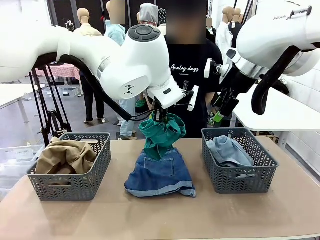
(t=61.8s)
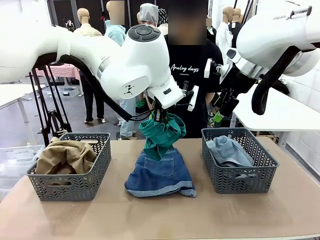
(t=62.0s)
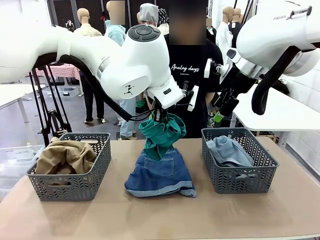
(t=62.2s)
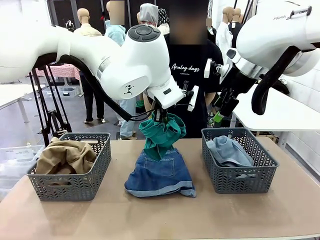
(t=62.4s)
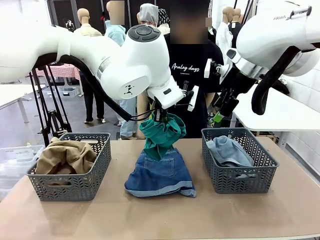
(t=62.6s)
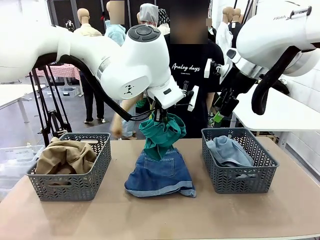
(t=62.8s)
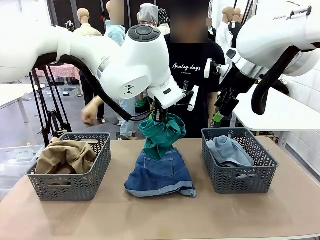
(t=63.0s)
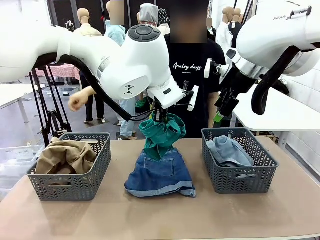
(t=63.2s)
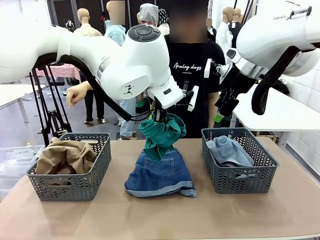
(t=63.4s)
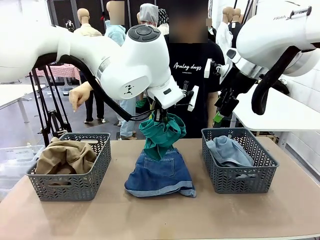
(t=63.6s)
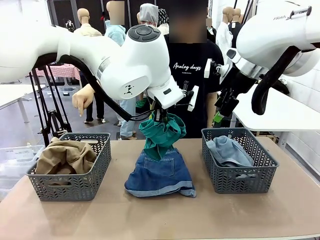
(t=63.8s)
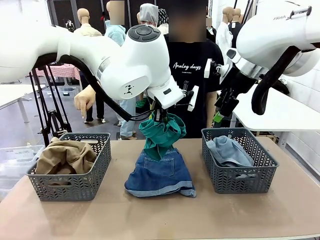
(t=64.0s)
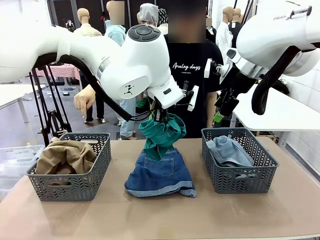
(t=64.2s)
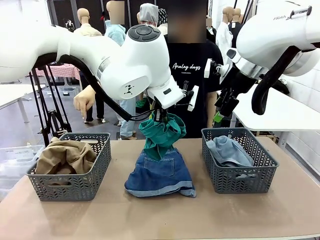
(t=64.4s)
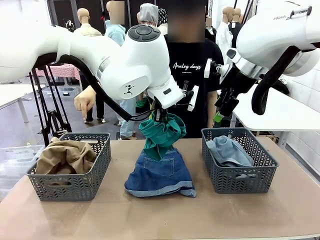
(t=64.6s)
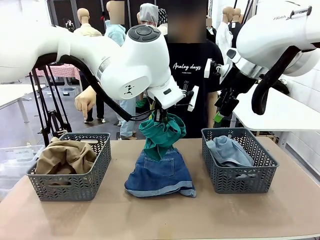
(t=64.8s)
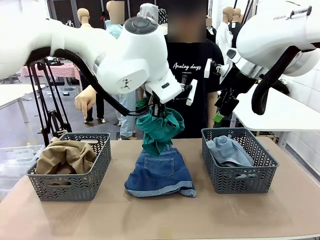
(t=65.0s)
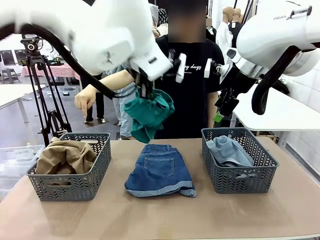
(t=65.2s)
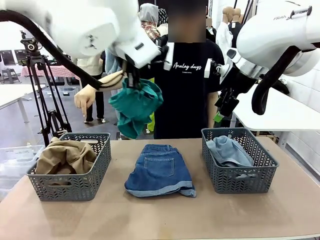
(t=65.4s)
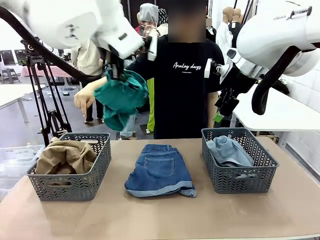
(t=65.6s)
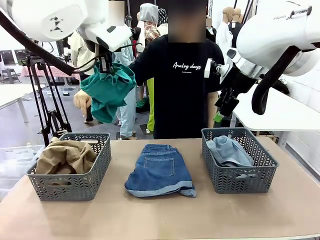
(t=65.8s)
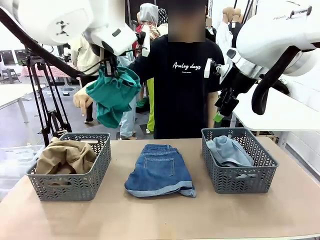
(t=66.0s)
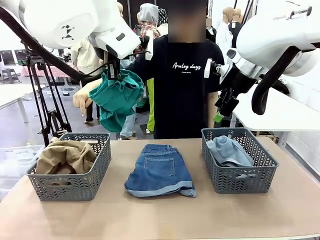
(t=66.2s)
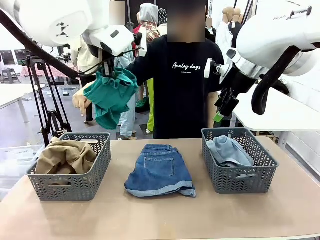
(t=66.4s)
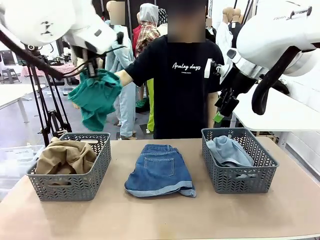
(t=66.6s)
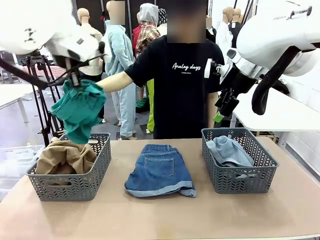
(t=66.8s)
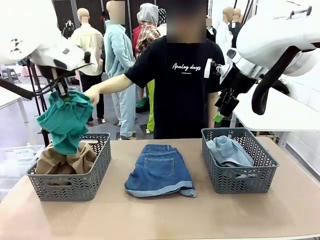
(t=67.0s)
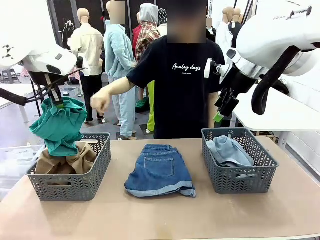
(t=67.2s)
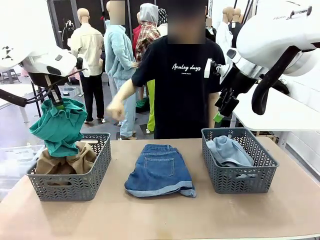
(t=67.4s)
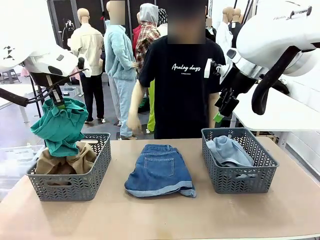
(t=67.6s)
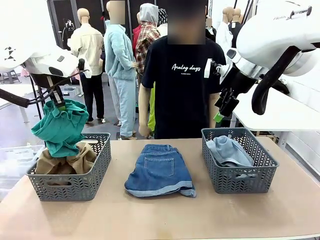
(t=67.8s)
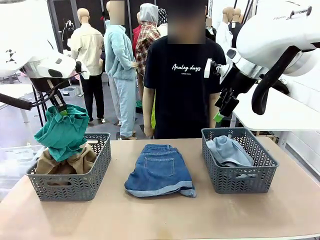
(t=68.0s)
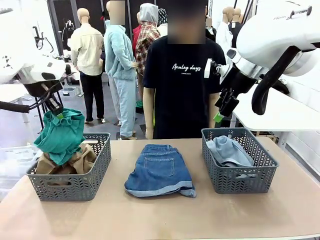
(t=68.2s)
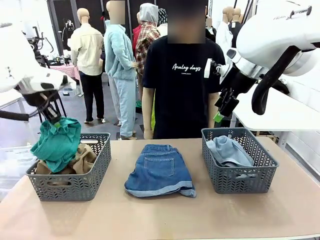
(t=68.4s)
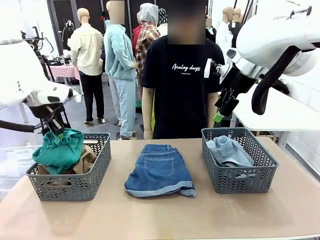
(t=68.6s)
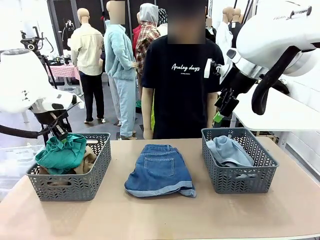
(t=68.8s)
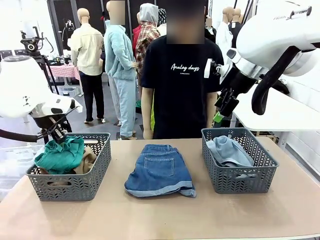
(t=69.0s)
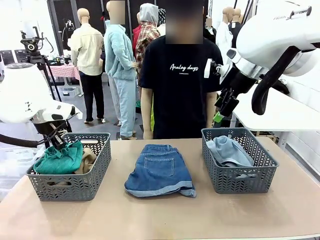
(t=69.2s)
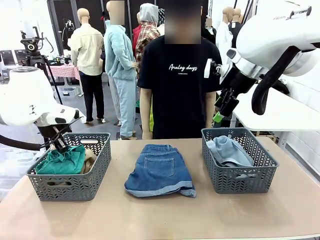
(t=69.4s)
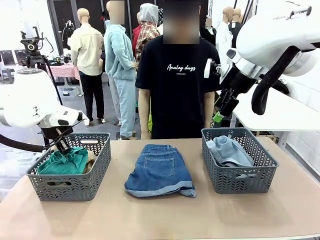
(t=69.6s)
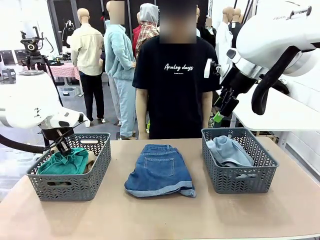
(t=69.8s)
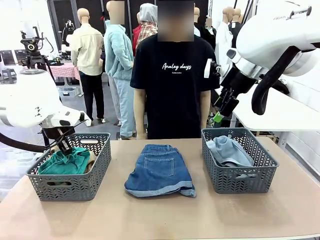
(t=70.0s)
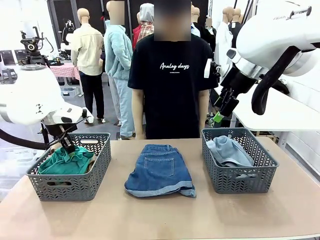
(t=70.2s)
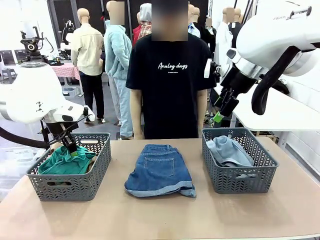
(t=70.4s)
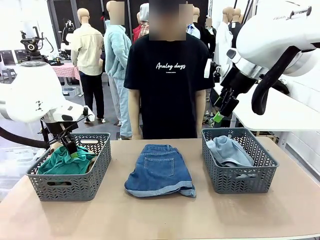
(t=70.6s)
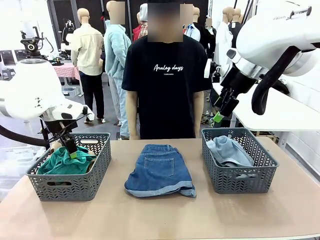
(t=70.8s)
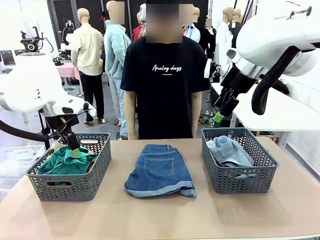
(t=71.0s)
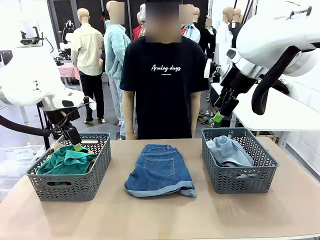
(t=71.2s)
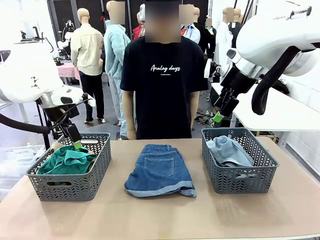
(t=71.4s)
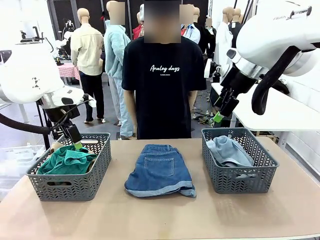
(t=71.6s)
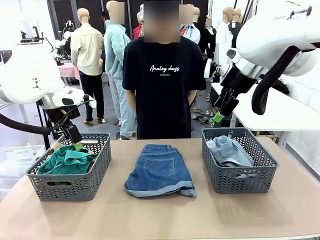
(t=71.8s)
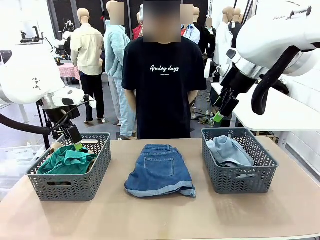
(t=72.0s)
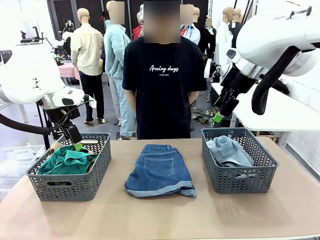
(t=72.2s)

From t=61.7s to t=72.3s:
Task: Sort the tops and bottoms.
Robot: Sort the clothes according to human instructions.

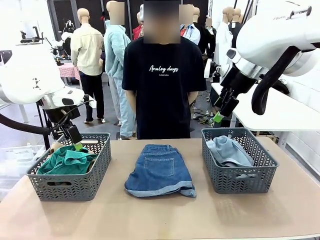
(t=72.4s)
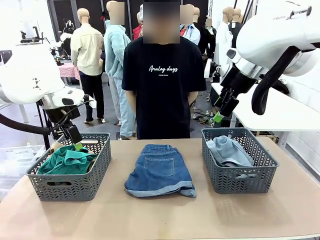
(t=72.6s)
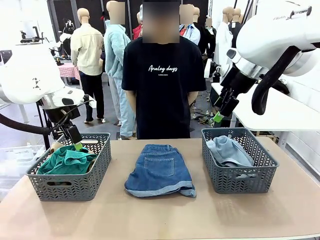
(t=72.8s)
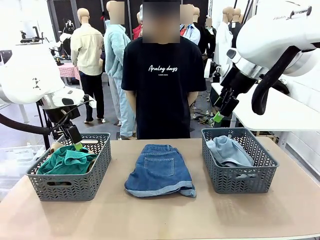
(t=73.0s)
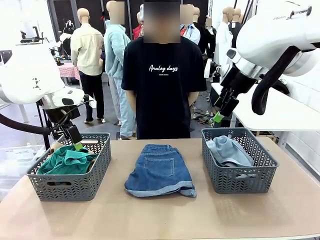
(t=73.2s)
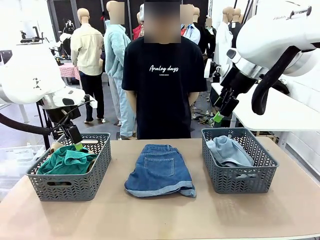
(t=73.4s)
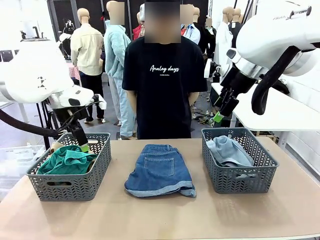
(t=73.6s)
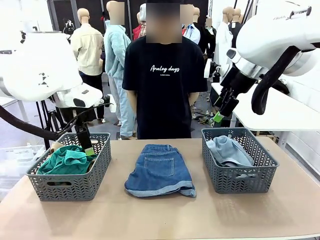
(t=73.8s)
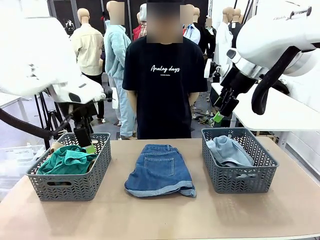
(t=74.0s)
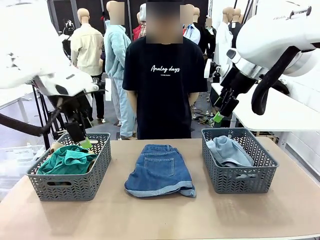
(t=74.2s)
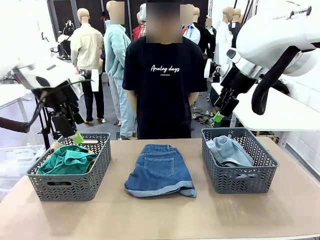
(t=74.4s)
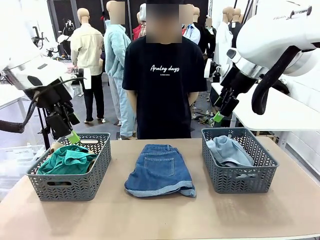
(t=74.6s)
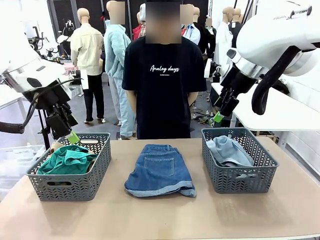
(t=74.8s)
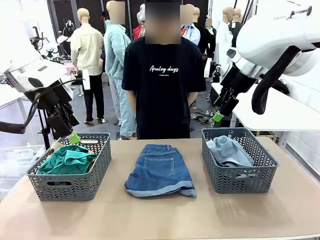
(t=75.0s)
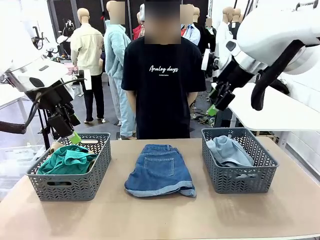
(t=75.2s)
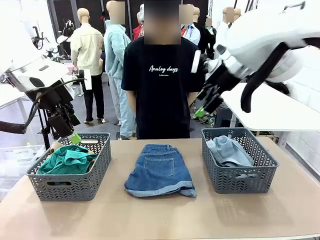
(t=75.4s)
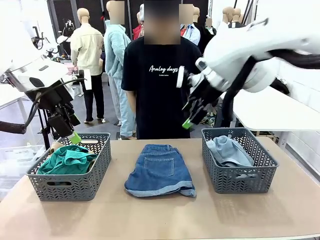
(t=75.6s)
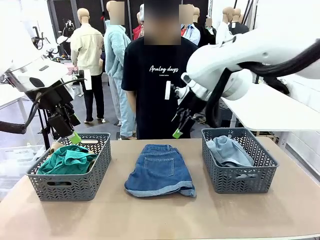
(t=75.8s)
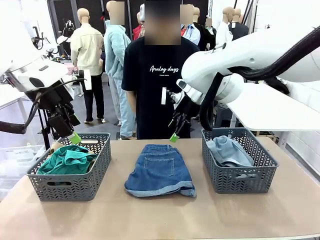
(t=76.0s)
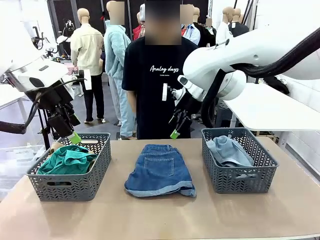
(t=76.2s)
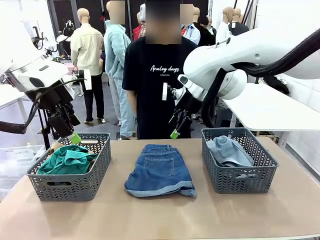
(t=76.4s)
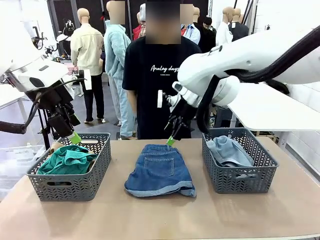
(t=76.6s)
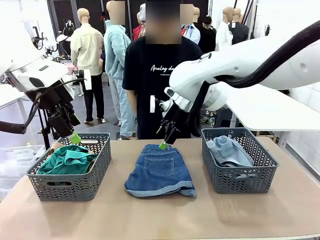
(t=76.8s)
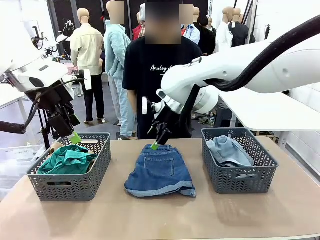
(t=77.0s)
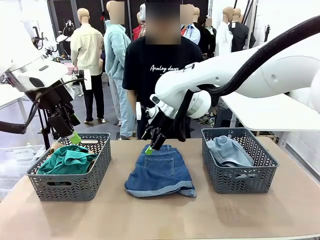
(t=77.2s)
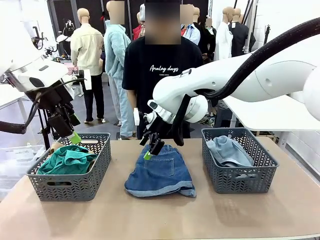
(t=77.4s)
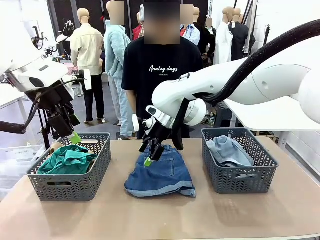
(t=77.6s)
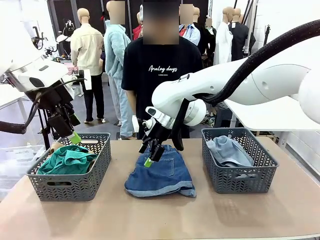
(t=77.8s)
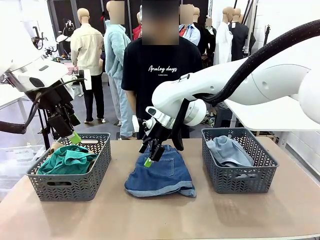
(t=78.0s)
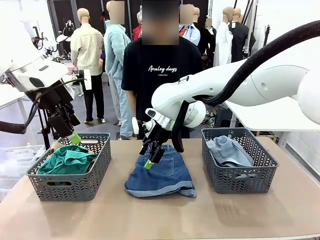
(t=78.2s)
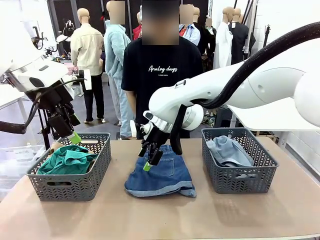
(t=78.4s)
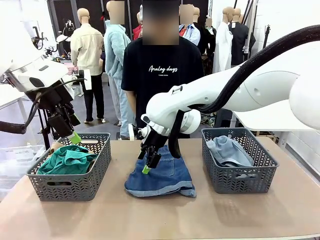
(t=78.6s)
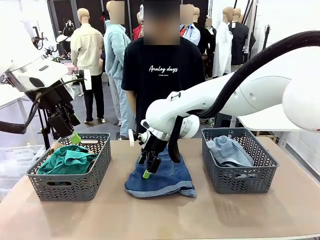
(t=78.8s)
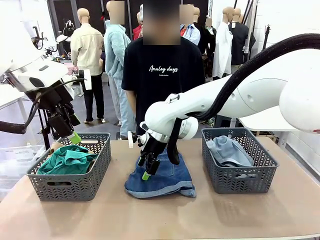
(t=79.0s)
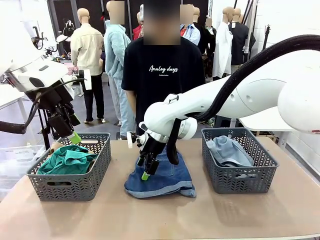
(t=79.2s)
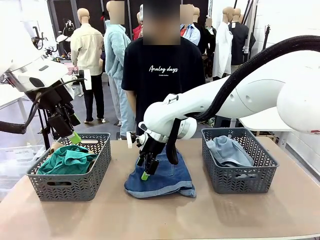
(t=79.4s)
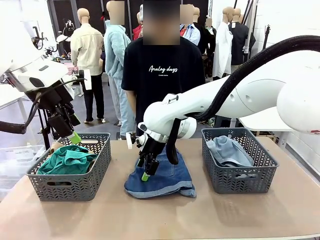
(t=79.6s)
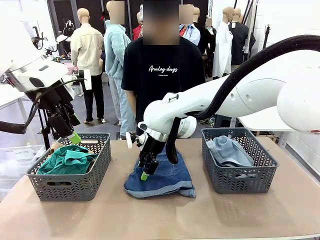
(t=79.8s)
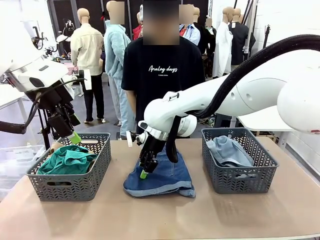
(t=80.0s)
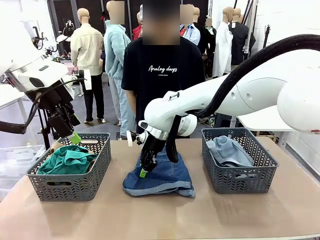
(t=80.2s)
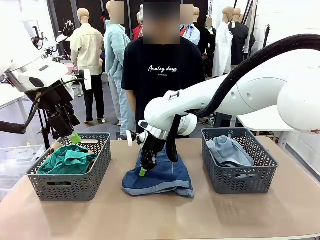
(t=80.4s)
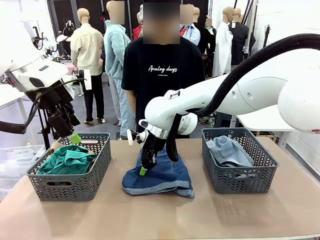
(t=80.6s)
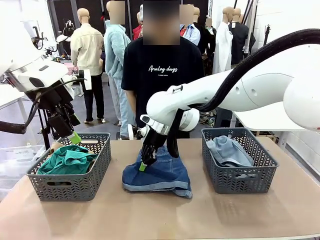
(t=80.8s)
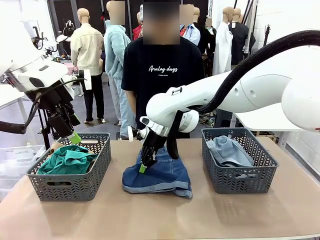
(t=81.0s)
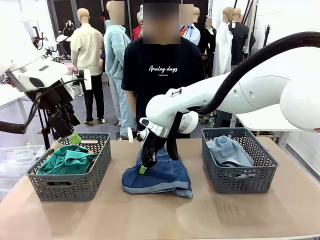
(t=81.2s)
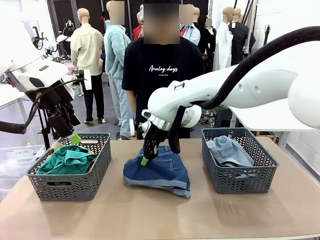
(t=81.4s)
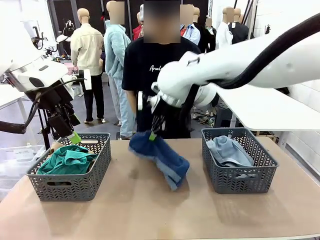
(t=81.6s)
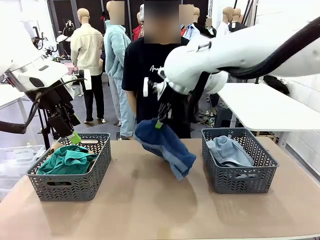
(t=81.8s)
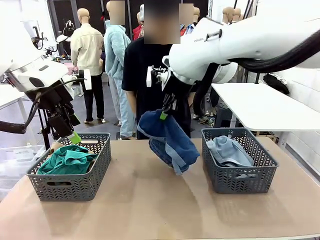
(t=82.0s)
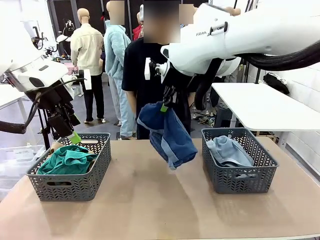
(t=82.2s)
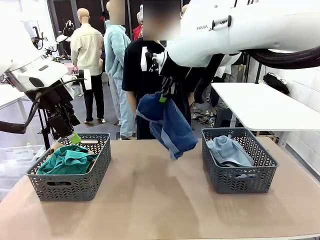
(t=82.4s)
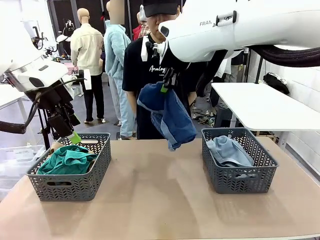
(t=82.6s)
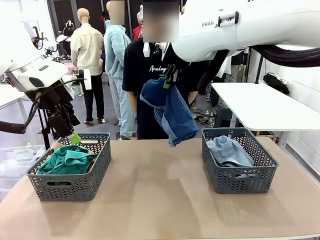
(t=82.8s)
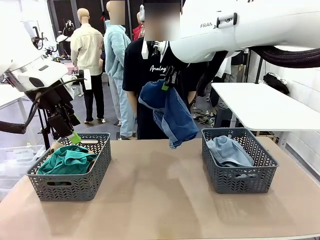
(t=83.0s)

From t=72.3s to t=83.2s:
Robot: Lift clothes from the center of the table with your right hand.
